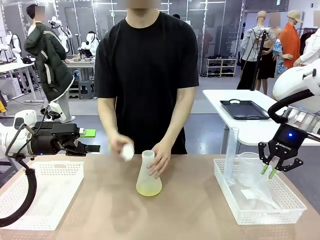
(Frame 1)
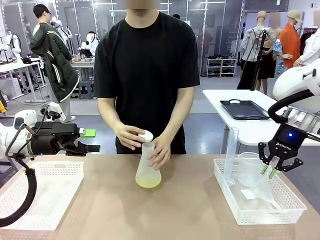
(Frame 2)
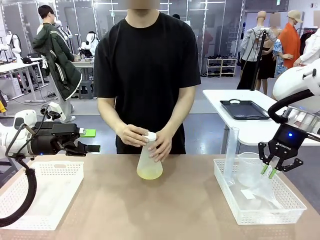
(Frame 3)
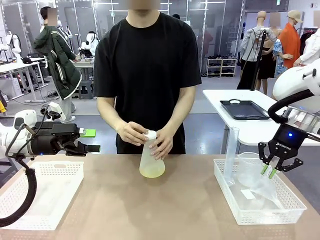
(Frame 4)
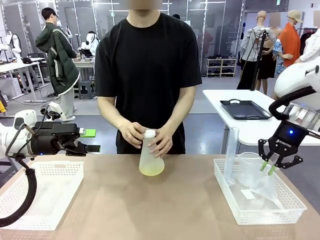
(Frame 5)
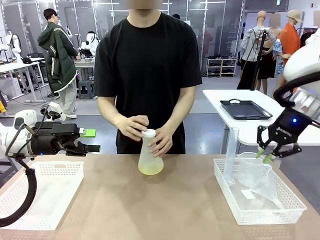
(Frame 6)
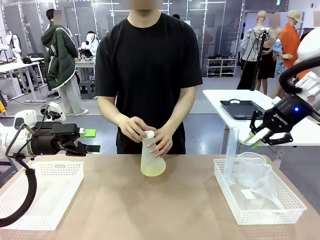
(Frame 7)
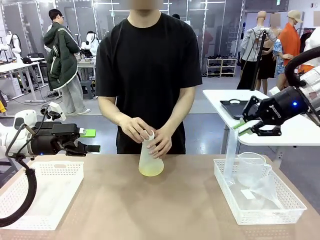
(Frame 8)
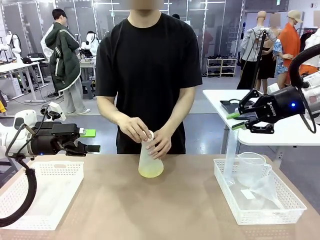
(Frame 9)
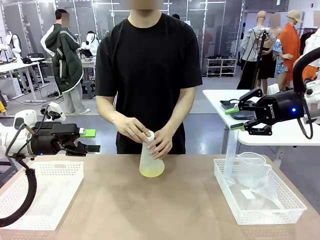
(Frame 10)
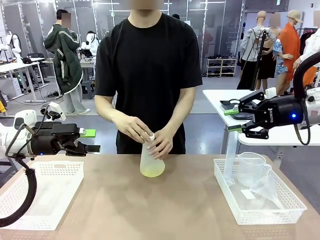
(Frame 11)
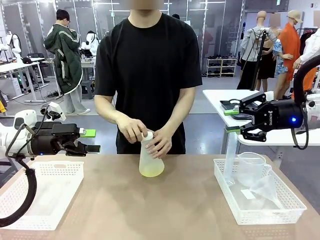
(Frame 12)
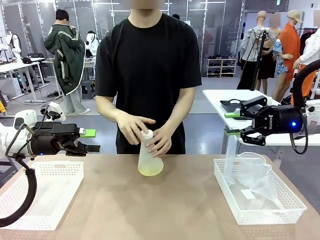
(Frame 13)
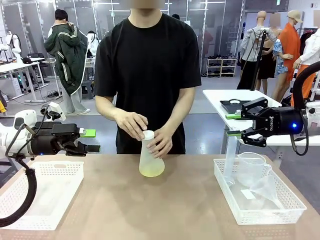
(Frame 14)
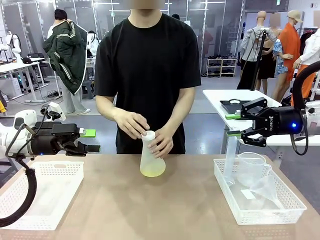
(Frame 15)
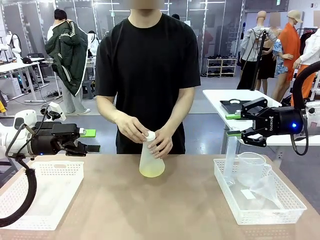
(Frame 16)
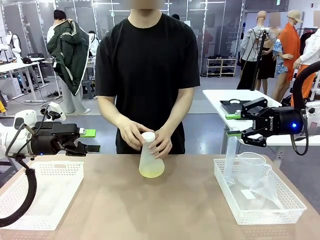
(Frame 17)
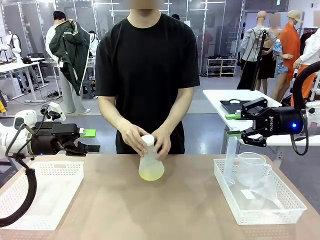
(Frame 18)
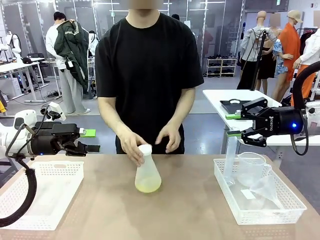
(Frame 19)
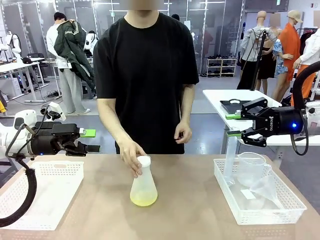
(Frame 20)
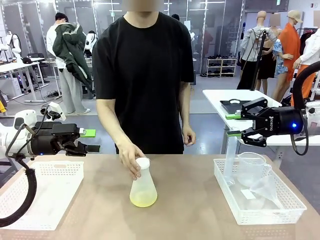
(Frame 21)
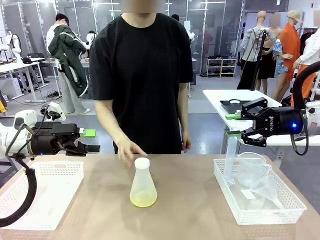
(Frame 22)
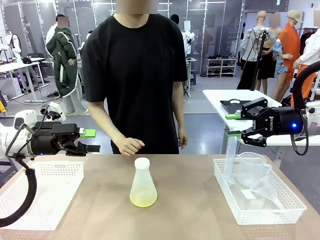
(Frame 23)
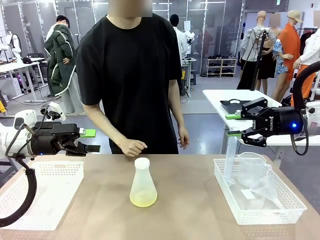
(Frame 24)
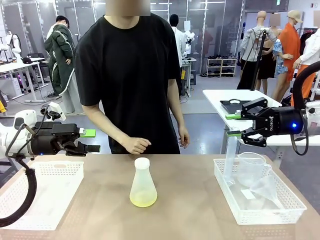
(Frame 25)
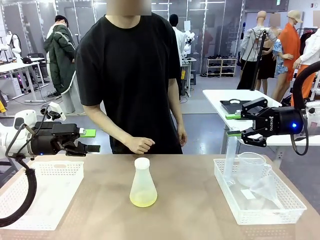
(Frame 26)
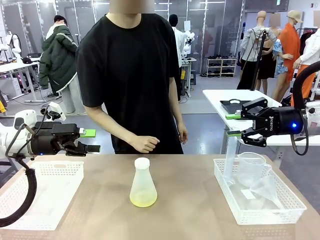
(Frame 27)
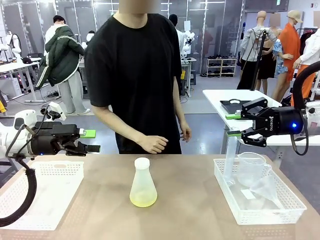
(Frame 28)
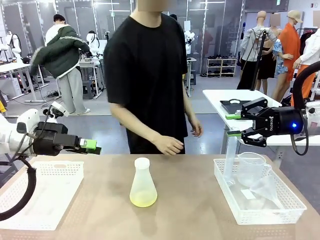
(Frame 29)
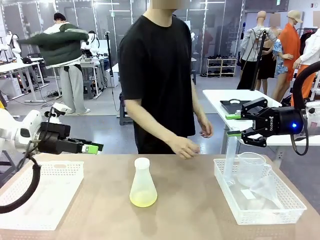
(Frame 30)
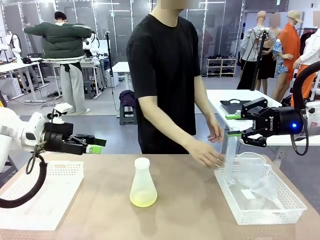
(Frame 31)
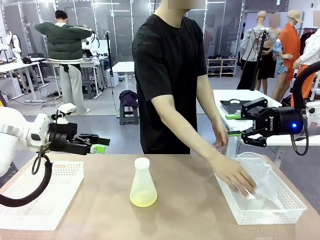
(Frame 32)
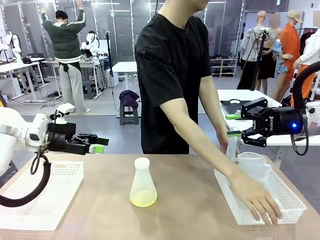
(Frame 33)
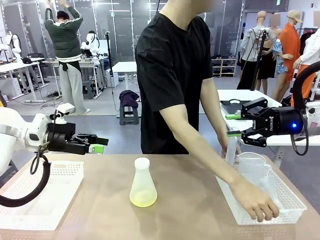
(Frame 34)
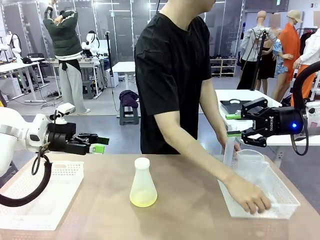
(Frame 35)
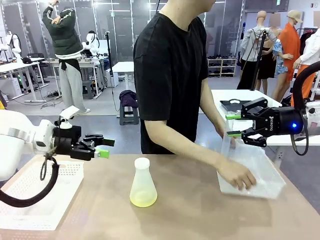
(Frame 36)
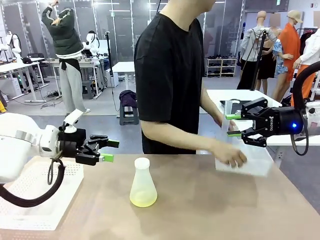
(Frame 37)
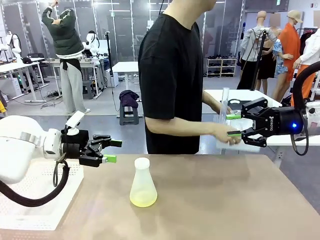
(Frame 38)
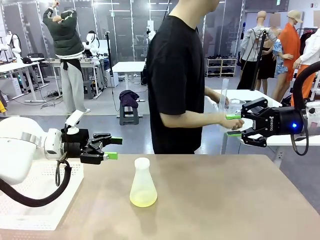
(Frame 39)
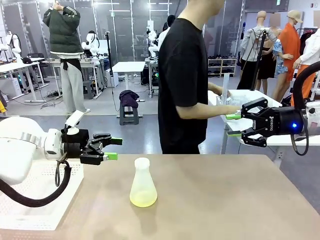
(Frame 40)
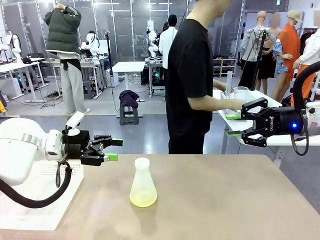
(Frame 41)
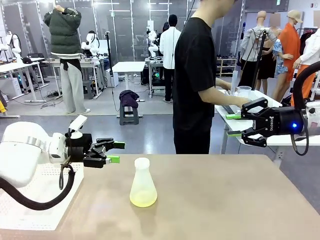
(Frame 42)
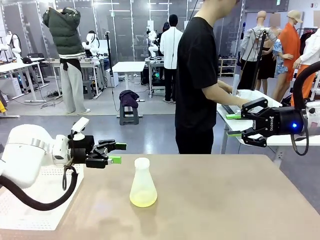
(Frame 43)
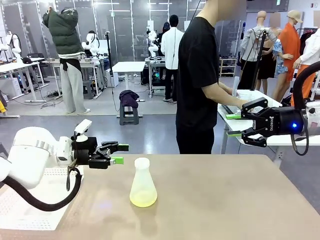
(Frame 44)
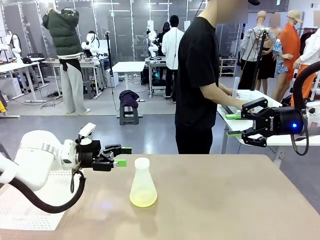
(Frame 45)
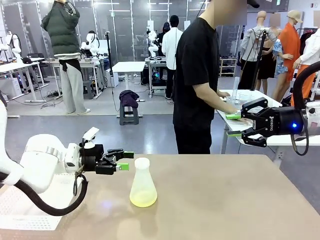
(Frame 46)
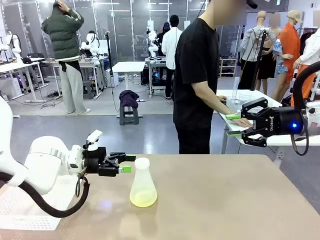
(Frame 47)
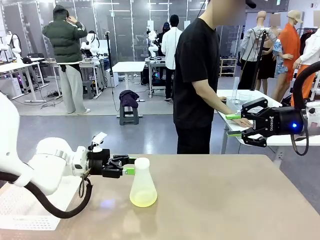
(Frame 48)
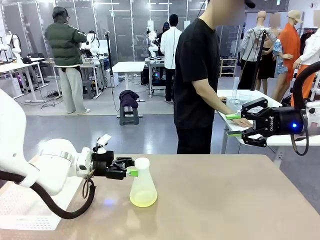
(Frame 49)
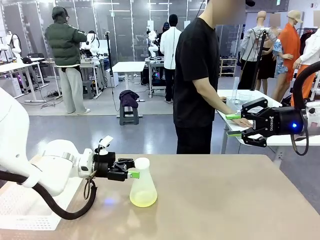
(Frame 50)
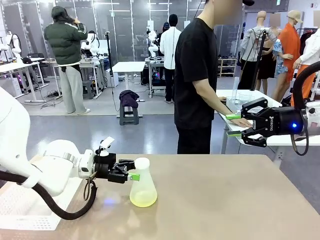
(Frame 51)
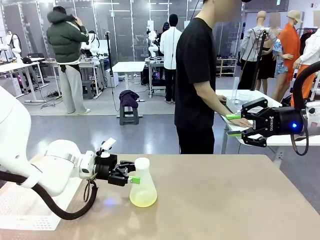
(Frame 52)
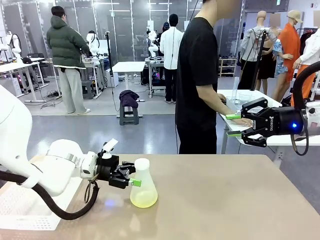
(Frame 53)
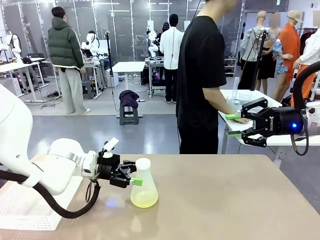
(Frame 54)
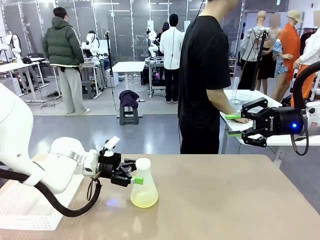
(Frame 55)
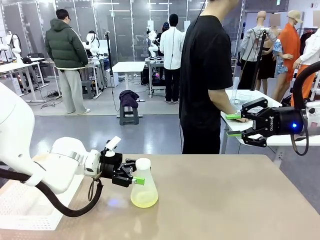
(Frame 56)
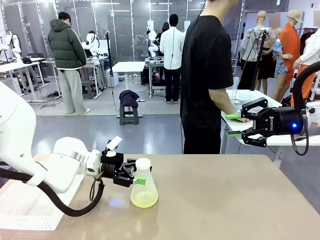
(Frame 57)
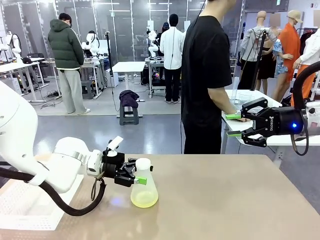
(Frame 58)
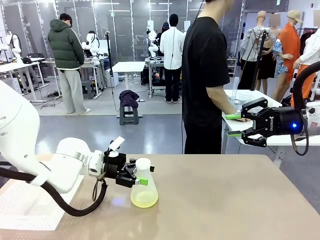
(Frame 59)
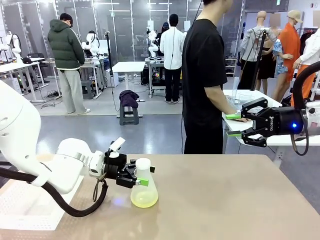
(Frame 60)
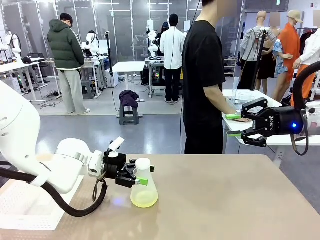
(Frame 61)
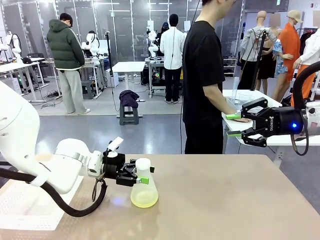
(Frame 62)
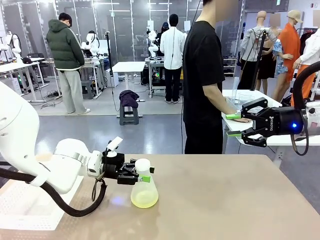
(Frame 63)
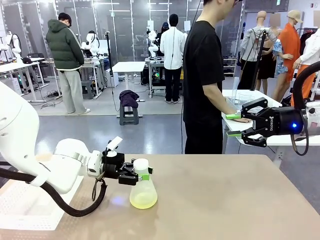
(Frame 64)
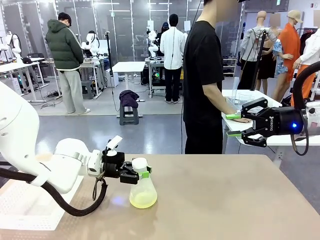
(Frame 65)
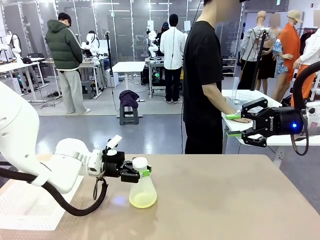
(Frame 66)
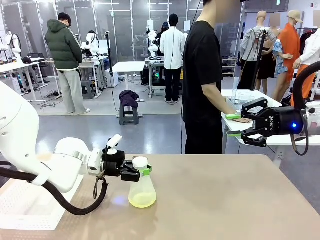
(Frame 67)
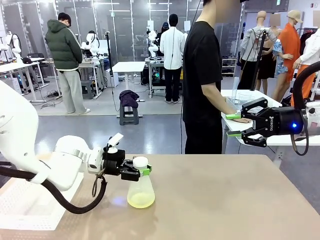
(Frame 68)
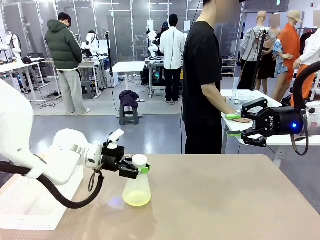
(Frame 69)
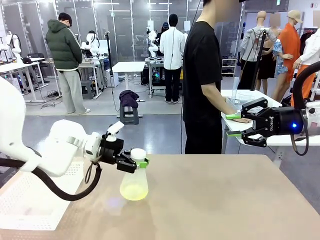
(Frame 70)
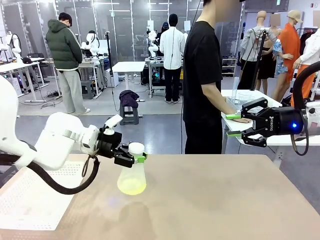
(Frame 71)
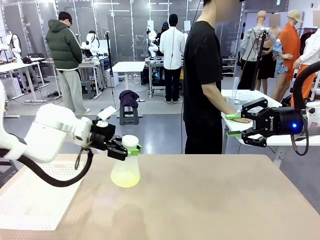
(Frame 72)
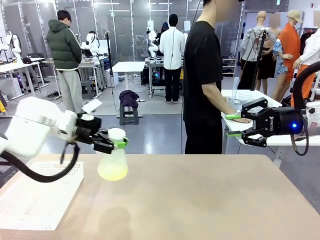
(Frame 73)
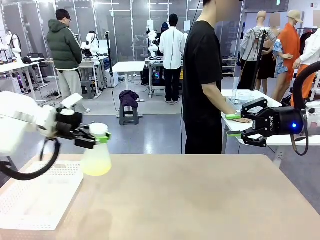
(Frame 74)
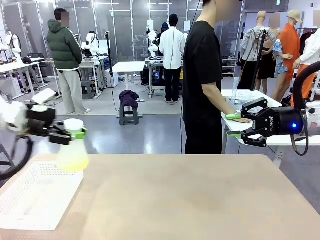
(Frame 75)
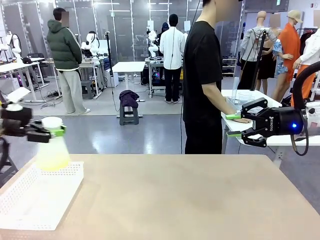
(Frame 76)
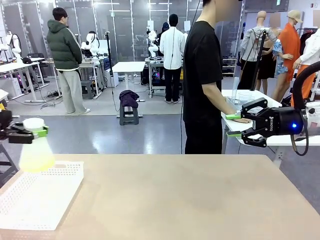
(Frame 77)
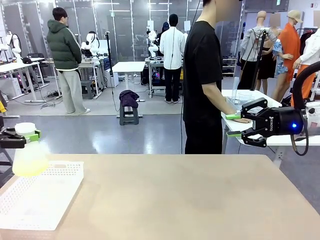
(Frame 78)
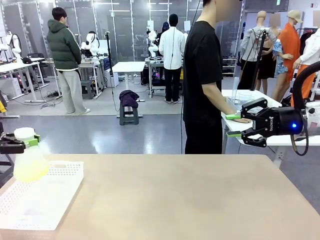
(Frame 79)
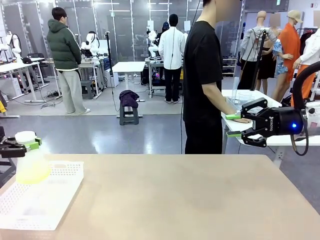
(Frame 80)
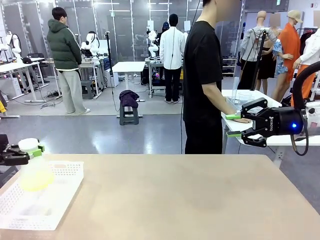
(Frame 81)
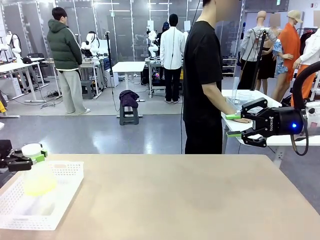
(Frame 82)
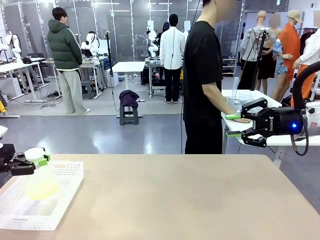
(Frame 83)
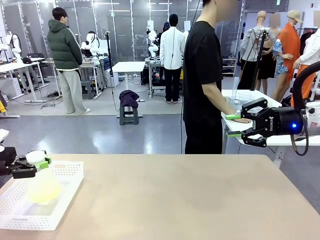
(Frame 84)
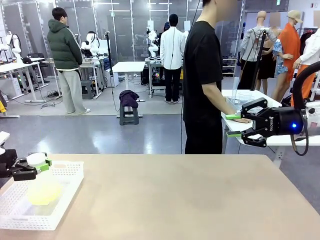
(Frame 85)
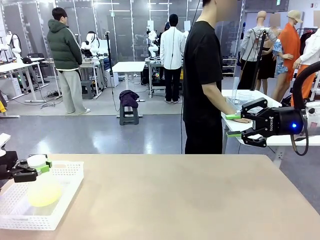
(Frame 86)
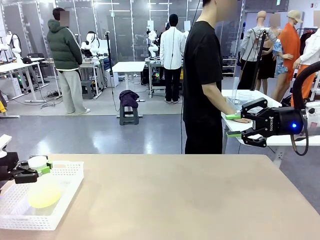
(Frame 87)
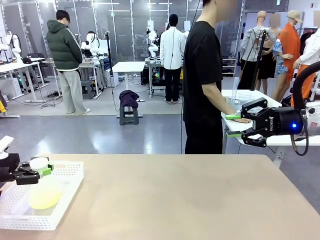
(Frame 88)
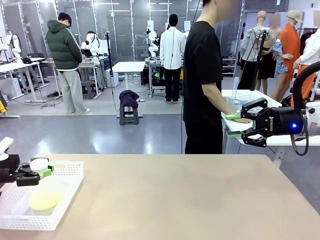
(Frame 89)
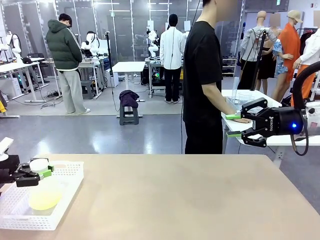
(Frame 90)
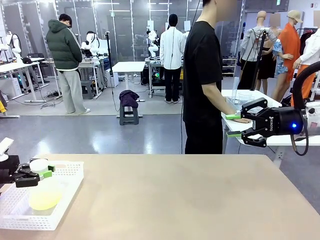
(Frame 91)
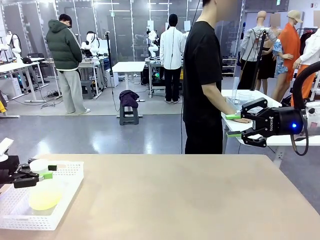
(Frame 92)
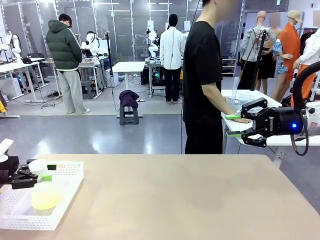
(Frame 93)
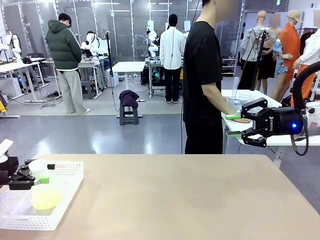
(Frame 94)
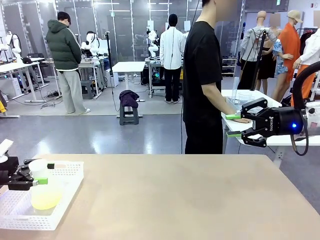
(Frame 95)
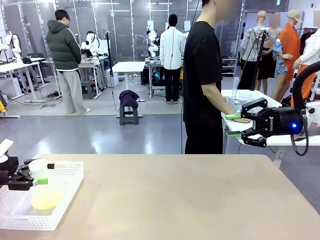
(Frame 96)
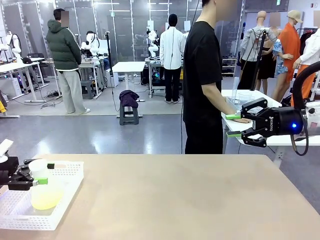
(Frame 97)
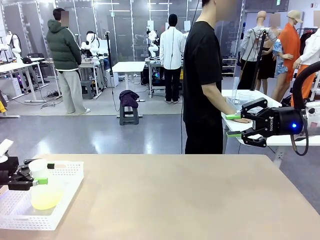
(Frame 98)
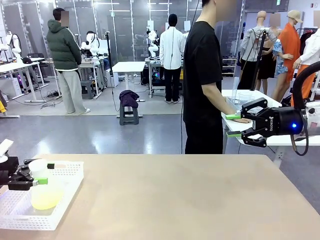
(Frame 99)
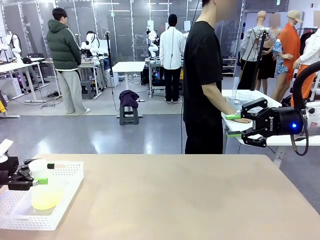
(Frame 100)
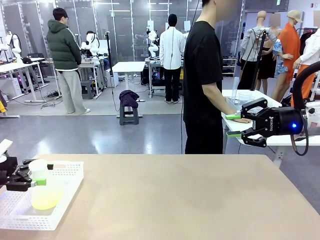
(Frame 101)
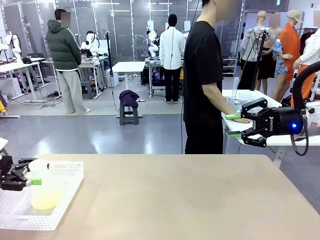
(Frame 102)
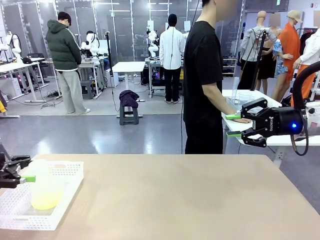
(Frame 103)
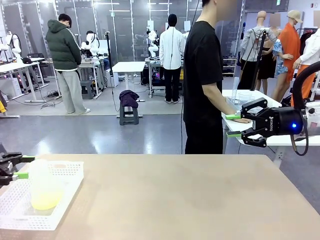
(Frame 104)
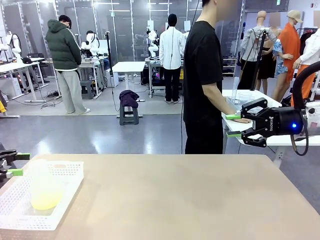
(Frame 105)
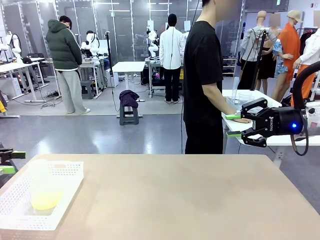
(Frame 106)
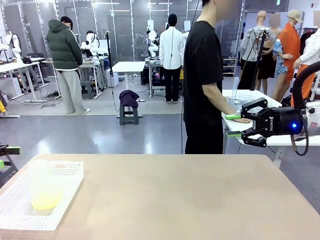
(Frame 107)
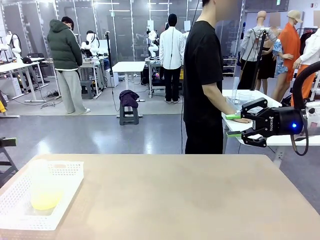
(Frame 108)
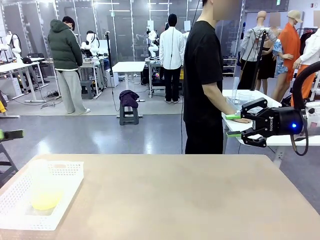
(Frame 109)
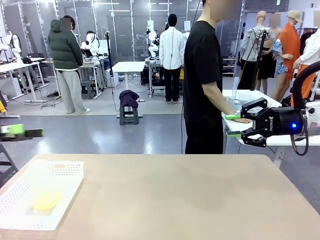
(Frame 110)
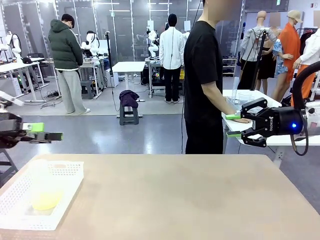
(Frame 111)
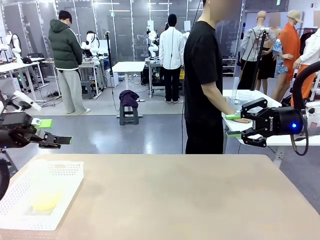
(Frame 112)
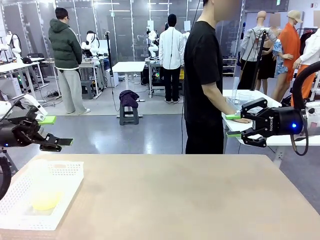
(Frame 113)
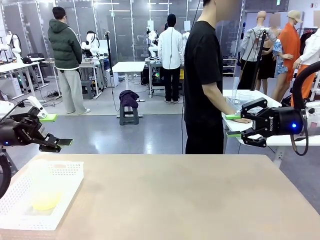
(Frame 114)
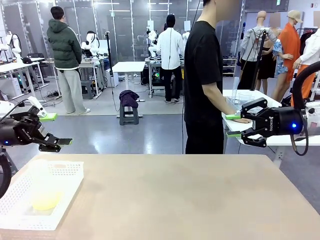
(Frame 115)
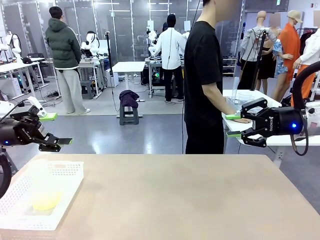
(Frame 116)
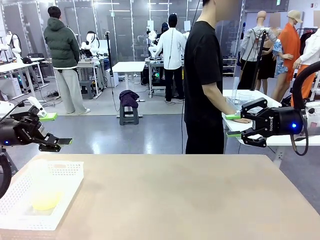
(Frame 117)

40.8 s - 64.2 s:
Task: Prepare the solutions needed for the experiment.
Robot: When the human places the Big flask in the center of the table, pick up the Big flask and place it in the left Organizing basket.
Person: Pick up the organizing basket on the left side of the robot table and place it on the left side of the human table.
